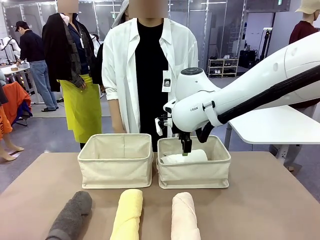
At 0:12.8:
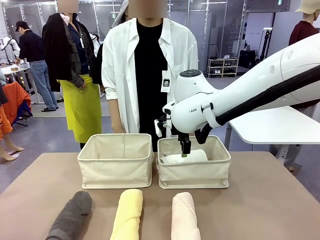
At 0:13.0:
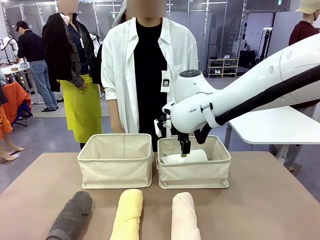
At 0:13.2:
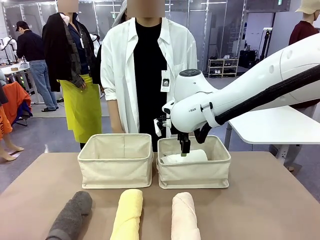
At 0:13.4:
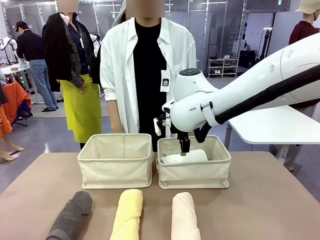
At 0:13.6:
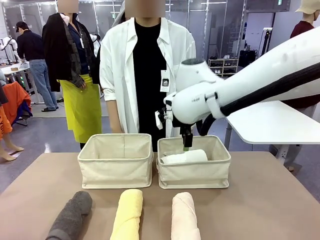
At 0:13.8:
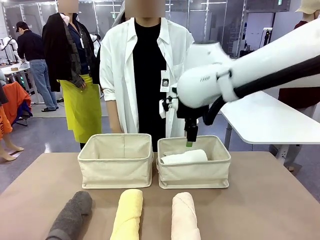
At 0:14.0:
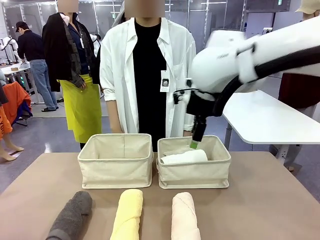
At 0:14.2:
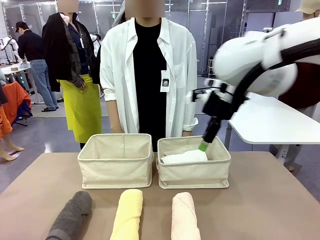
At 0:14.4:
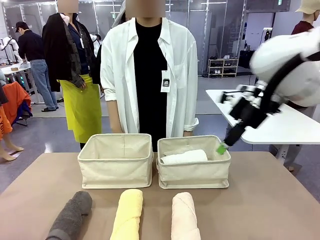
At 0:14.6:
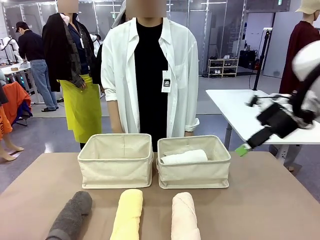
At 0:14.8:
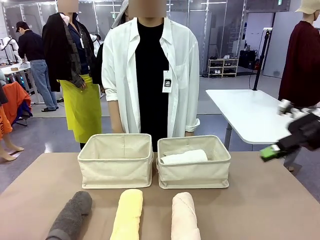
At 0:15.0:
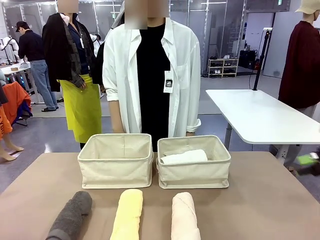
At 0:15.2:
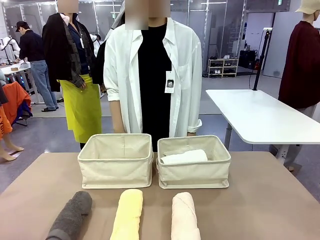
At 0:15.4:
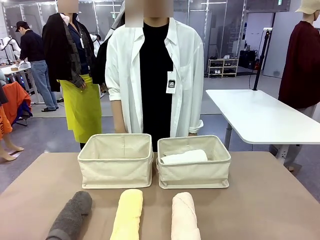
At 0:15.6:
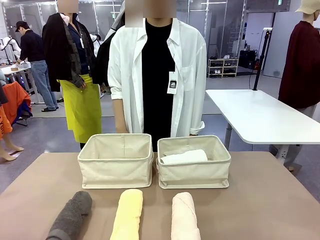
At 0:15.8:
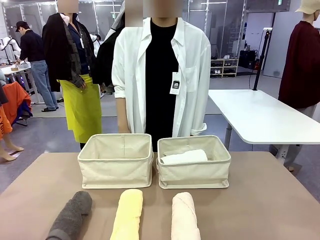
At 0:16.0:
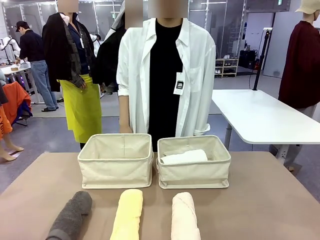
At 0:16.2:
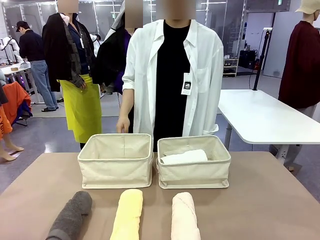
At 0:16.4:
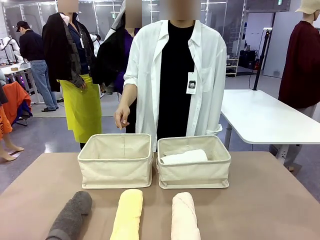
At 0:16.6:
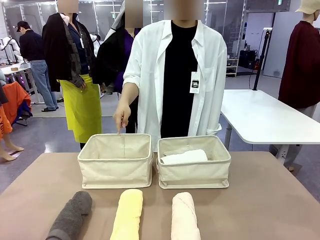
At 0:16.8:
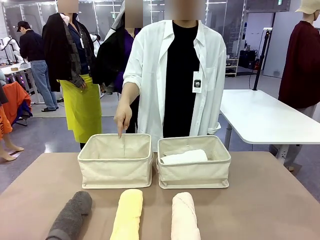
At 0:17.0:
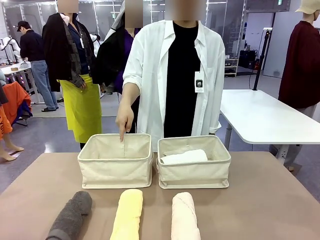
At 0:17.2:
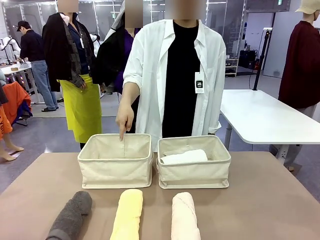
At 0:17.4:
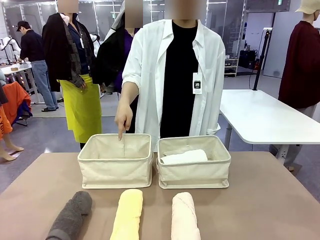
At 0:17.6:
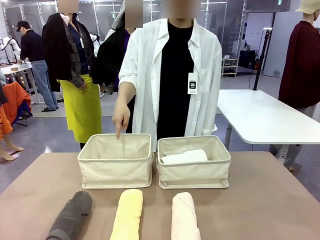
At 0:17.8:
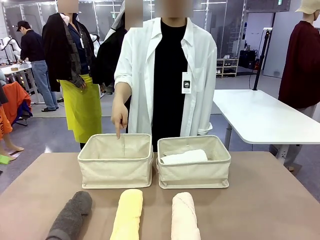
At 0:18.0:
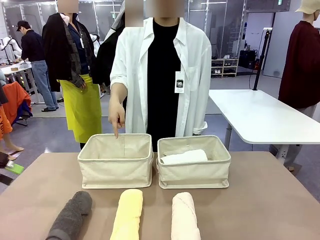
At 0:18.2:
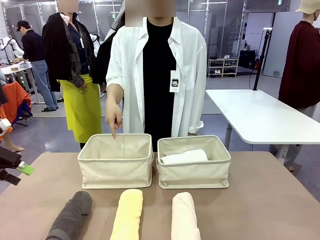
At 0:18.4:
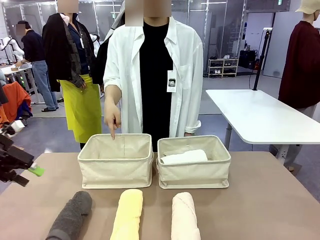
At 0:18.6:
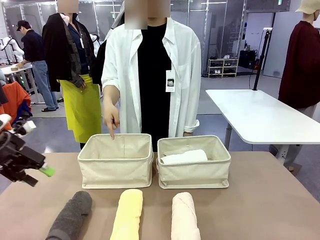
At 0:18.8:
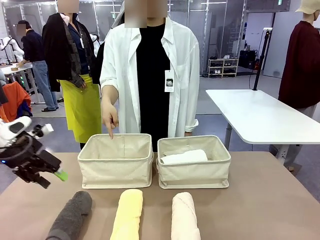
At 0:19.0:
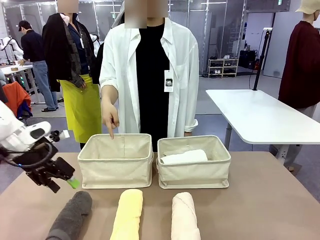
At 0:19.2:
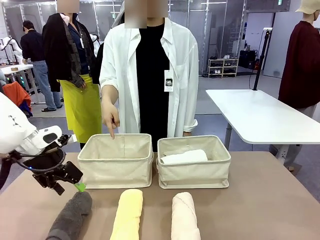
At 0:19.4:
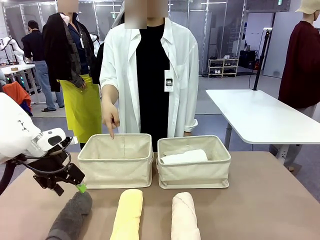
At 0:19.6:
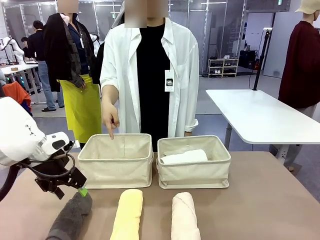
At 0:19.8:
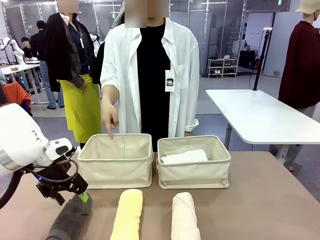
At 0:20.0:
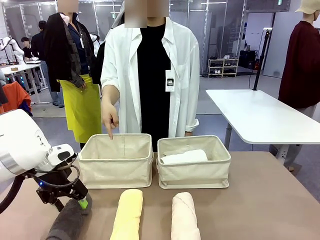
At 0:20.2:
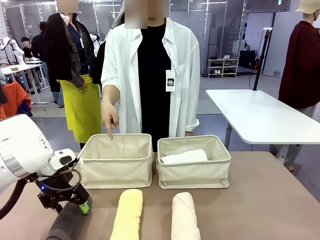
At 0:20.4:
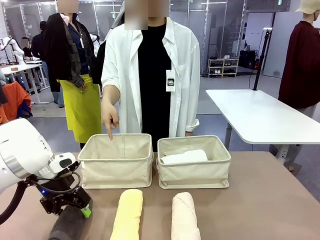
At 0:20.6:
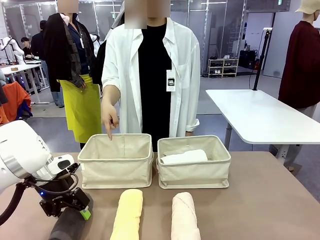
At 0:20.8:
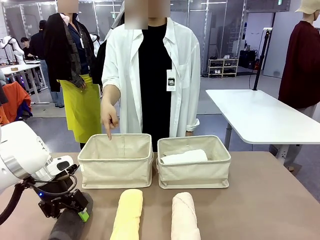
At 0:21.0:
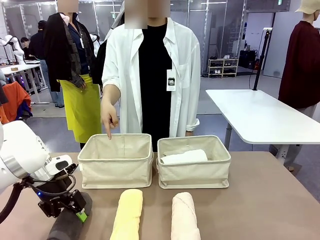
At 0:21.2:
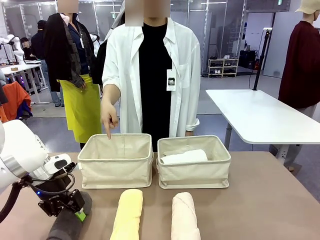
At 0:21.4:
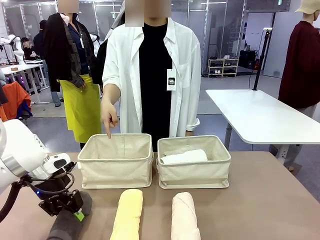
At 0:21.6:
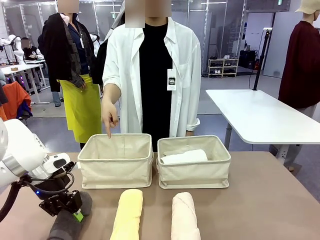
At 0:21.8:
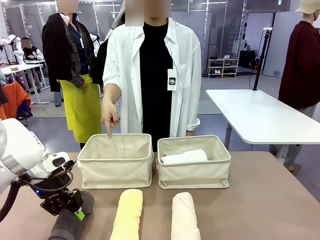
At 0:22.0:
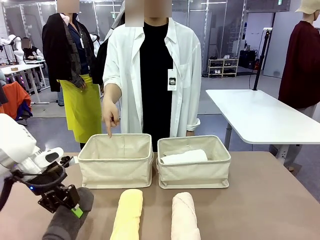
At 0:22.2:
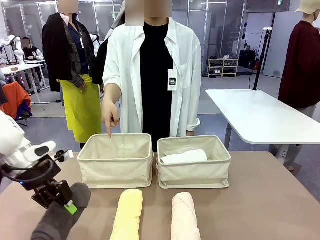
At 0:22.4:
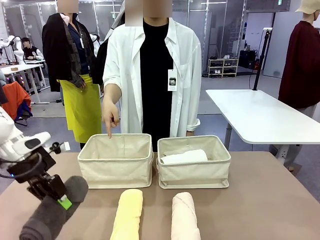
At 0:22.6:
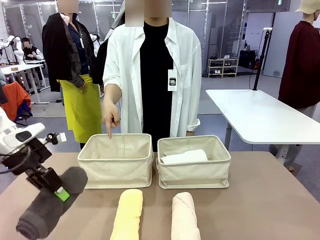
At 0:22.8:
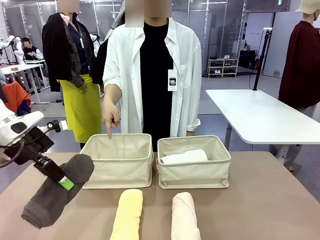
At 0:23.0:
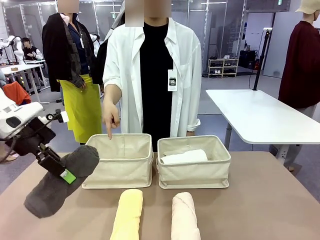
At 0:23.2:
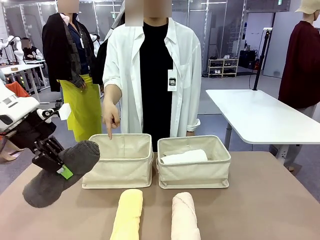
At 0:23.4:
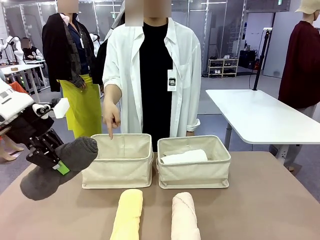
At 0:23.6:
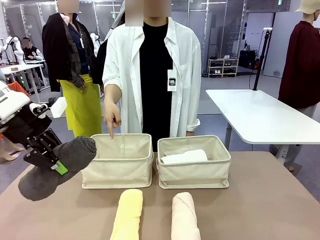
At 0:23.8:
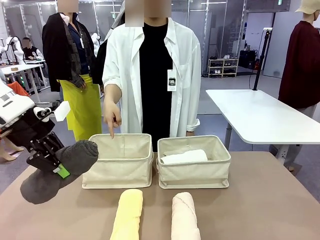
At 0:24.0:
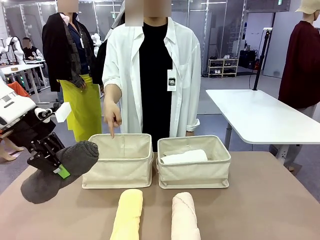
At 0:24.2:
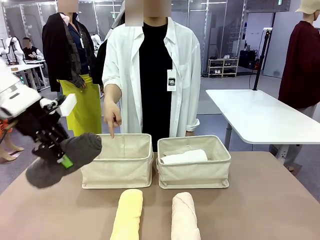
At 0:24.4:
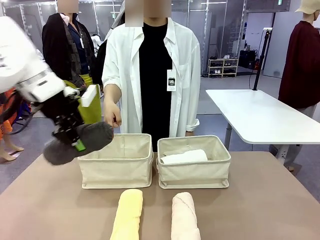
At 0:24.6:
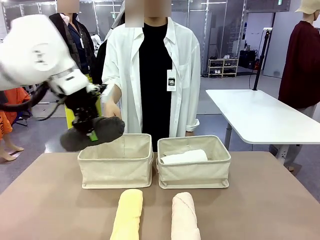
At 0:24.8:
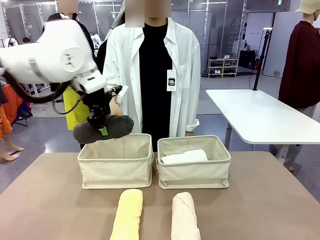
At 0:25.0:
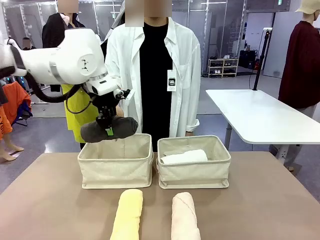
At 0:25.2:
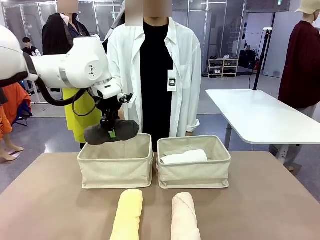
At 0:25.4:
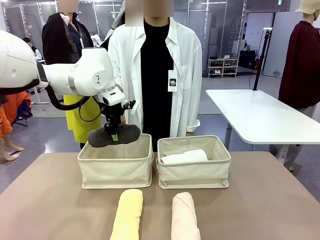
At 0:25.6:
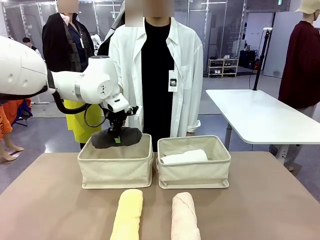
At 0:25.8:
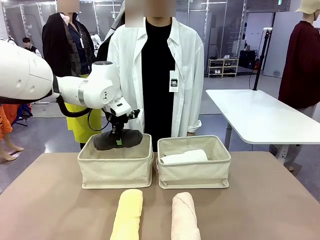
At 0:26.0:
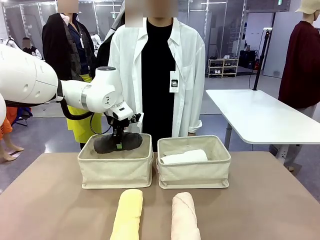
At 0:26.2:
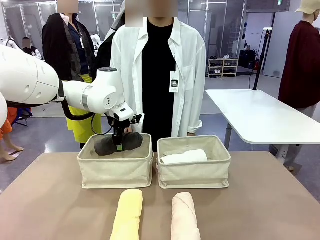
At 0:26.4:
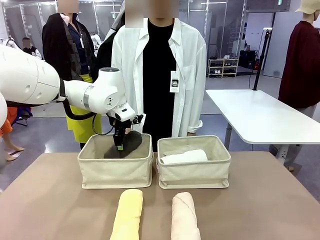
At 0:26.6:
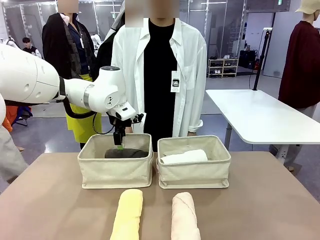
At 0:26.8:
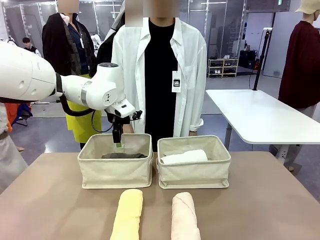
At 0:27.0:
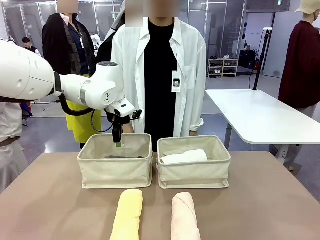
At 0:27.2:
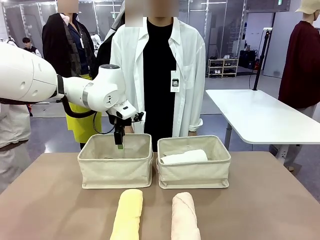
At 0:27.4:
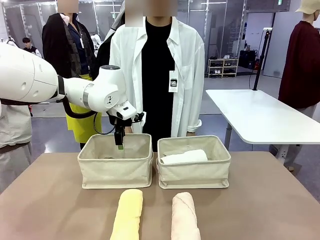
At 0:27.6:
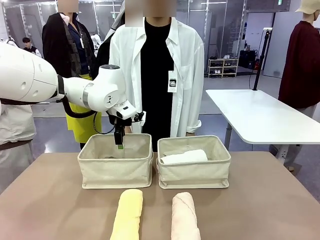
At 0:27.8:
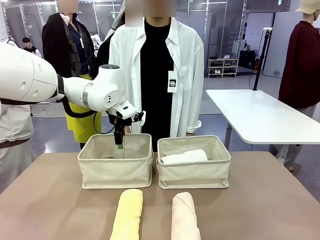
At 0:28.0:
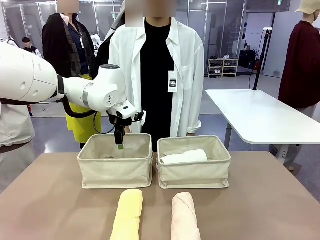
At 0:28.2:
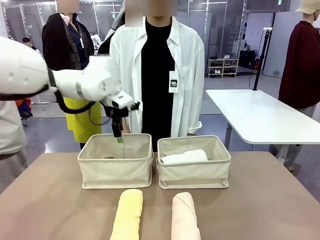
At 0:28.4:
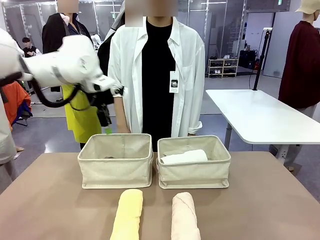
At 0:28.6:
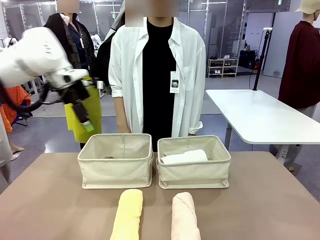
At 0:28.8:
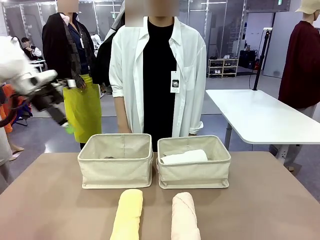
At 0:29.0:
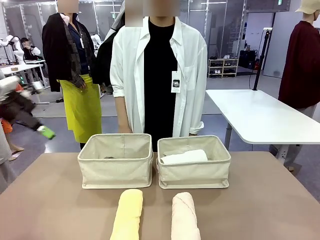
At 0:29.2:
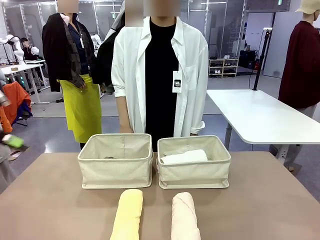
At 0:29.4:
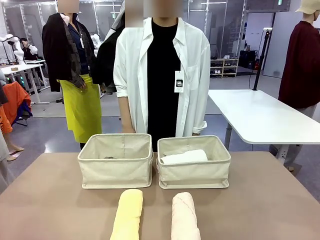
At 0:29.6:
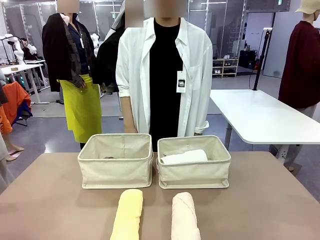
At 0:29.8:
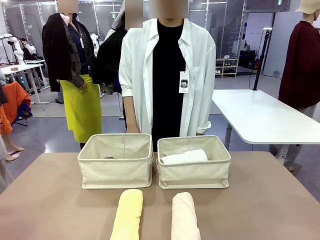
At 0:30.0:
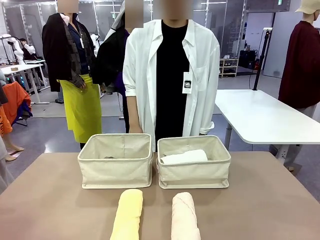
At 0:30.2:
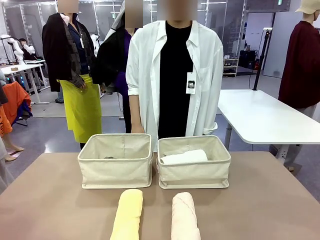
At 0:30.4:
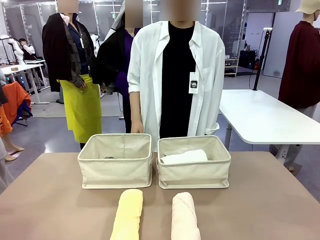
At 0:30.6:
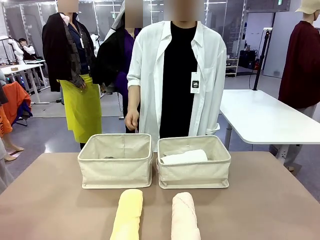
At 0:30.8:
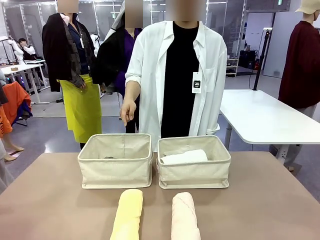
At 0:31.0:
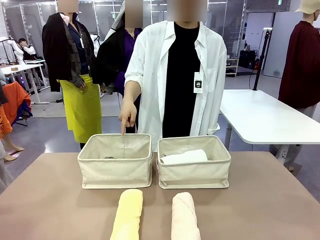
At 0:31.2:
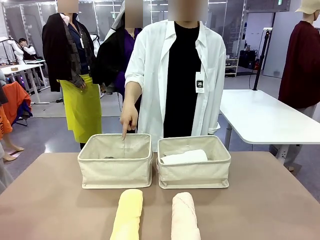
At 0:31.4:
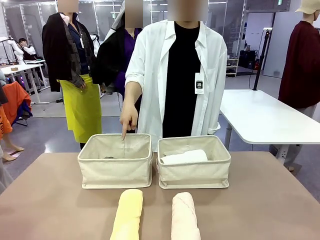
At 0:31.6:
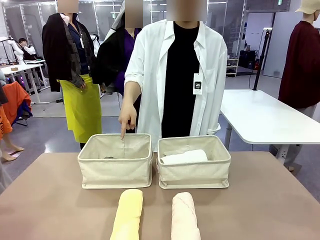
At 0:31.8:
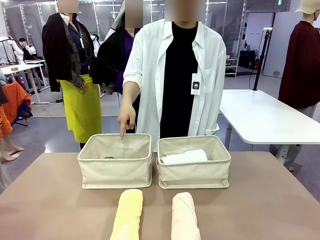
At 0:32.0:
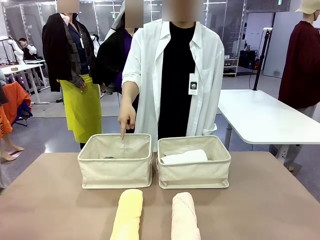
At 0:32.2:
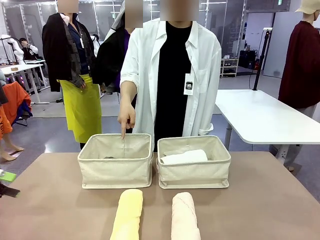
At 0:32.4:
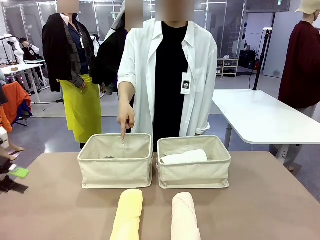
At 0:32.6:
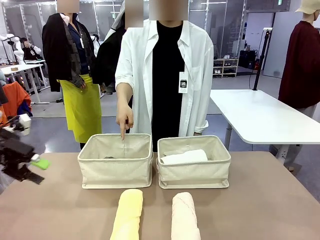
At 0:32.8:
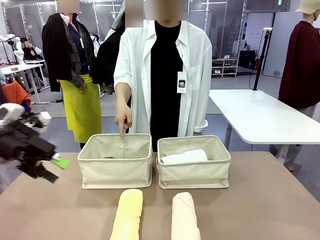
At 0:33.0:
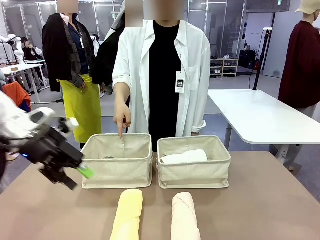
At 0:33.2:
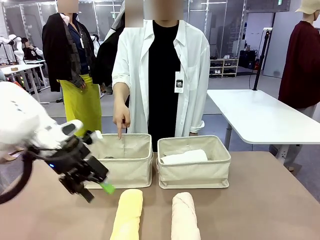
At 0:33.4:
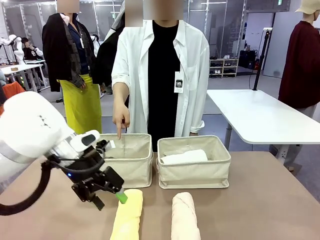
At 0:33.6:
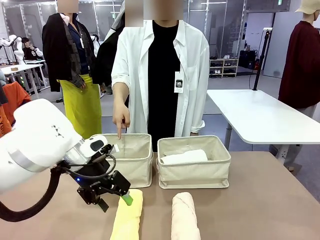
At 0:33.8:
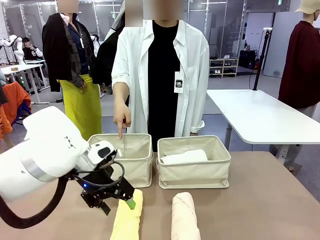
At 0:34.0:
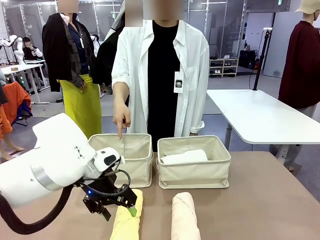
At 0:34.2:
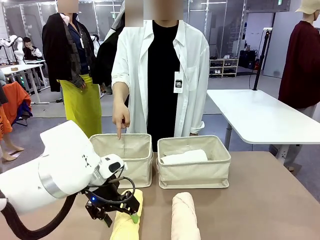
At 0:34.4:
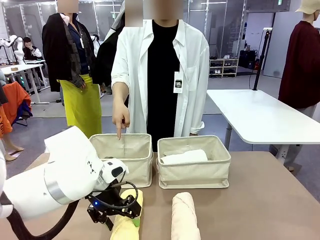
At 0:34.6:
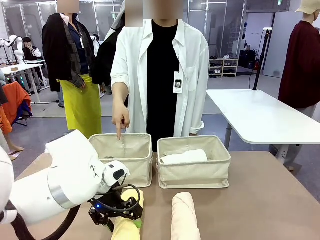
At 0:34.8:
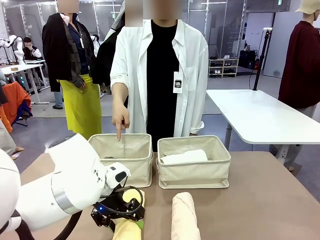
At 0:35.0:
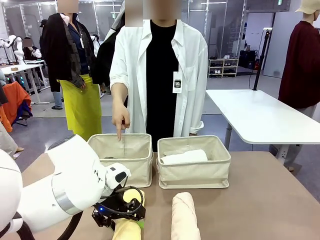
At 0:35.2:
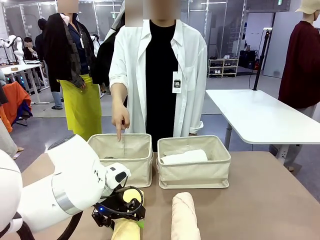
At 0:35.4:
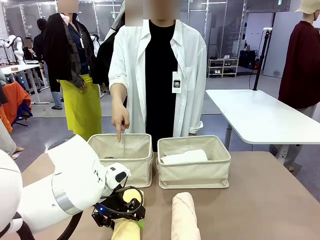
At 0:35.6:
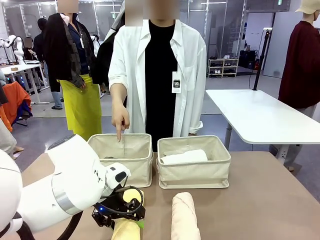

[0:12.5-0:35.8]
Task: Divide the towels into two baskets.
Robot: Pick up one hotel-folded towel from the bottom of the table and place it in the Fabric basket indicated by the person.
